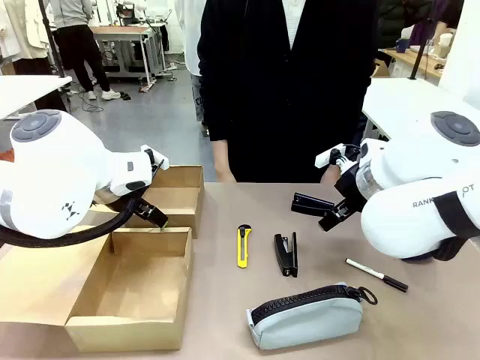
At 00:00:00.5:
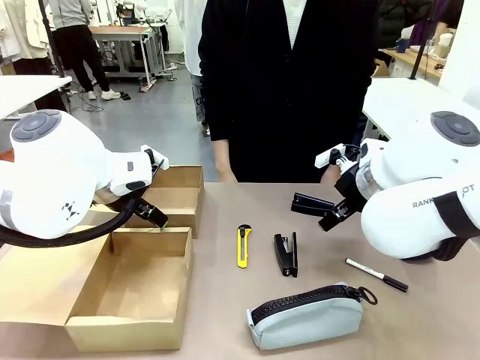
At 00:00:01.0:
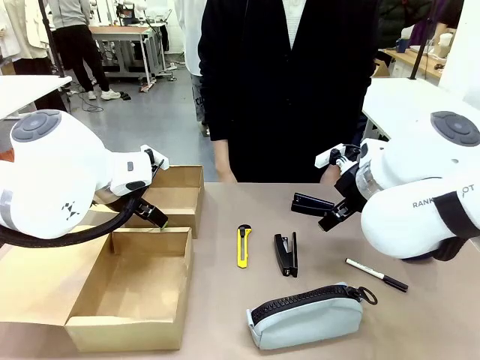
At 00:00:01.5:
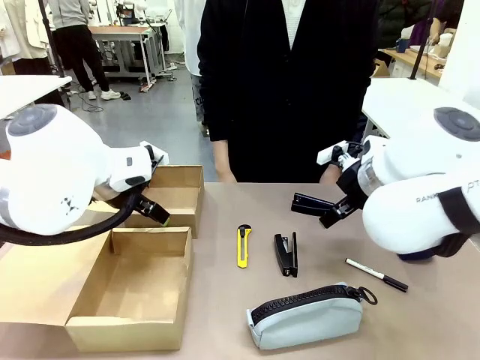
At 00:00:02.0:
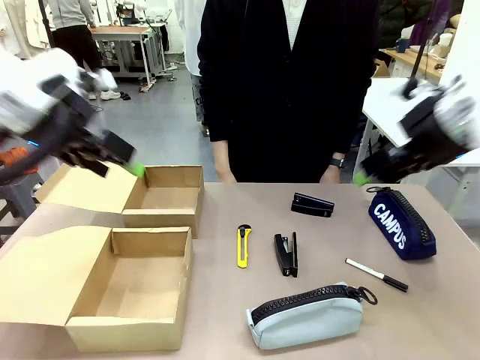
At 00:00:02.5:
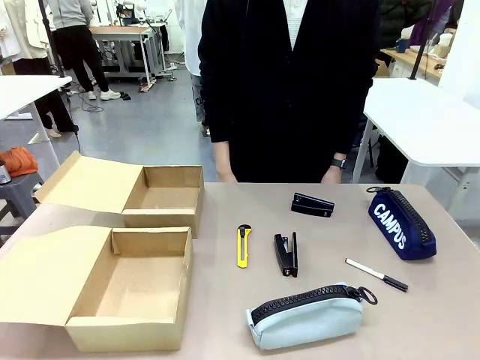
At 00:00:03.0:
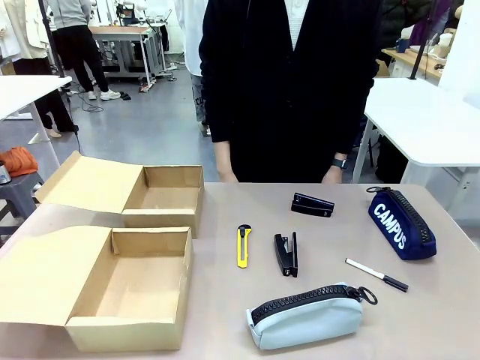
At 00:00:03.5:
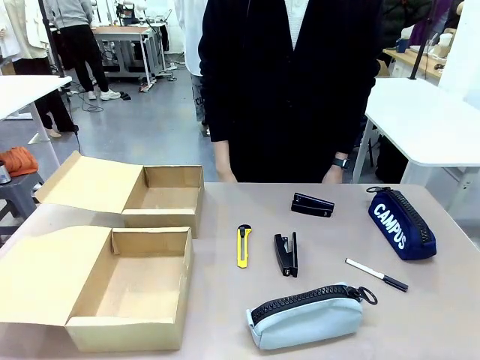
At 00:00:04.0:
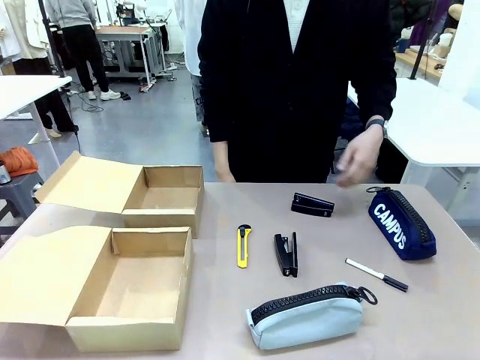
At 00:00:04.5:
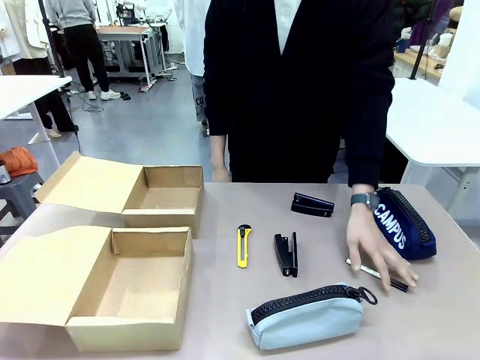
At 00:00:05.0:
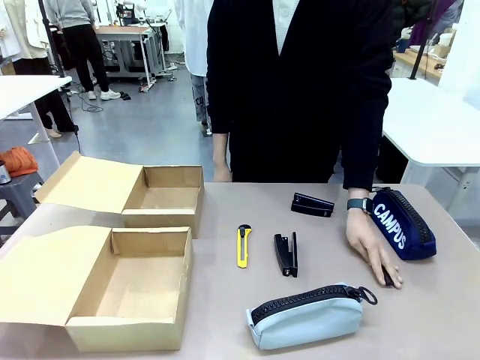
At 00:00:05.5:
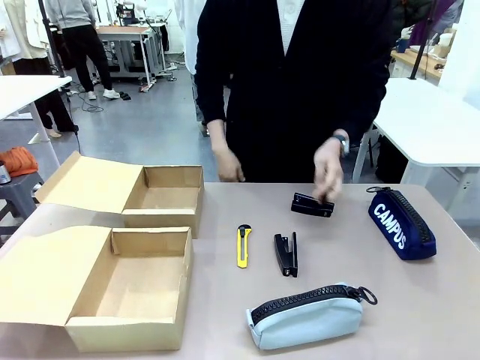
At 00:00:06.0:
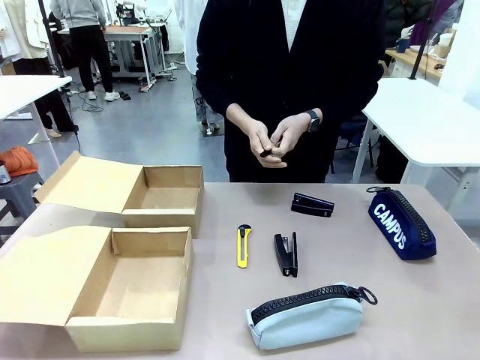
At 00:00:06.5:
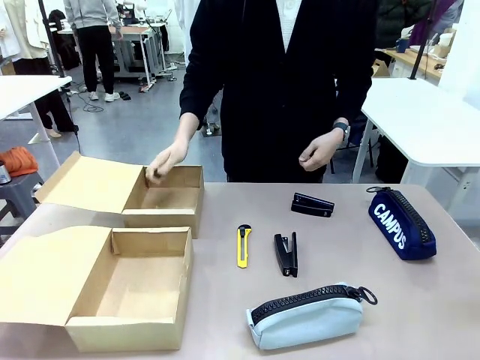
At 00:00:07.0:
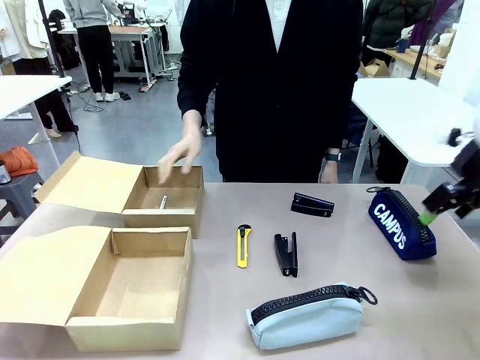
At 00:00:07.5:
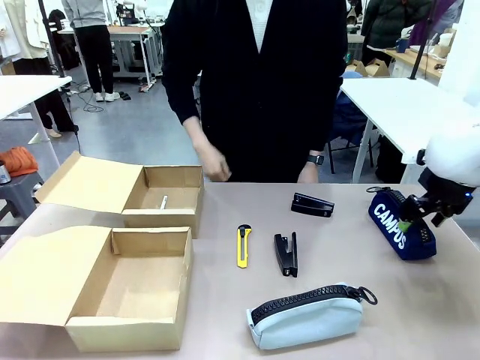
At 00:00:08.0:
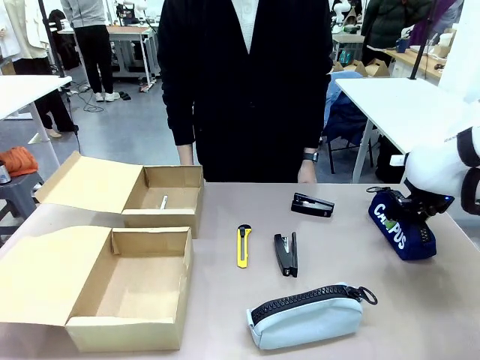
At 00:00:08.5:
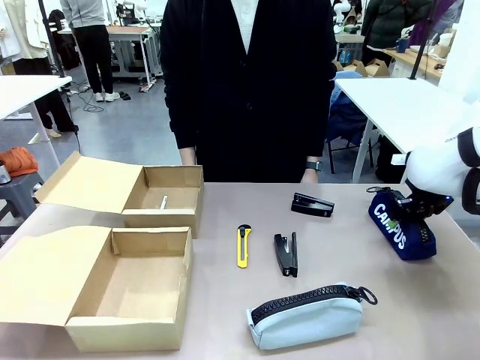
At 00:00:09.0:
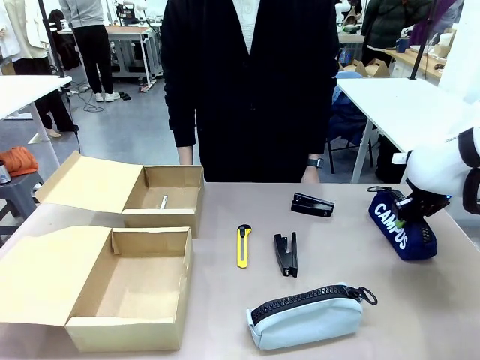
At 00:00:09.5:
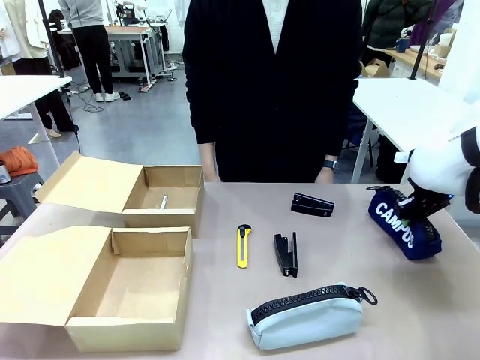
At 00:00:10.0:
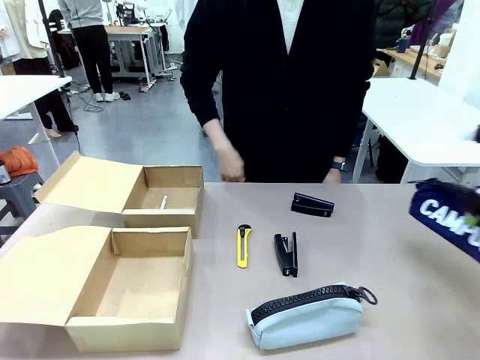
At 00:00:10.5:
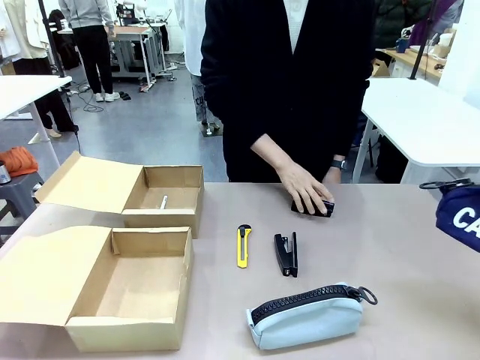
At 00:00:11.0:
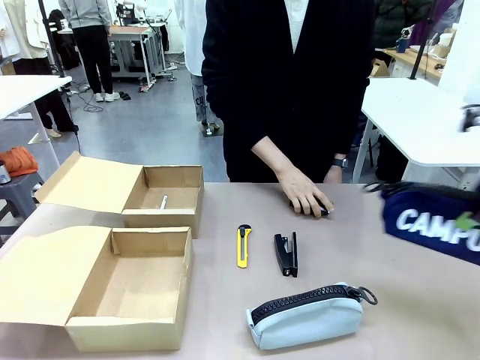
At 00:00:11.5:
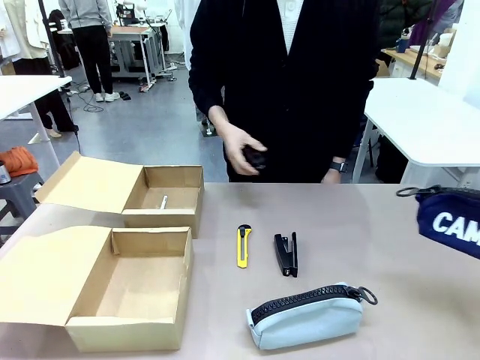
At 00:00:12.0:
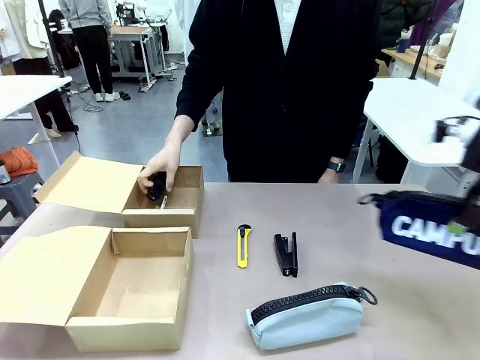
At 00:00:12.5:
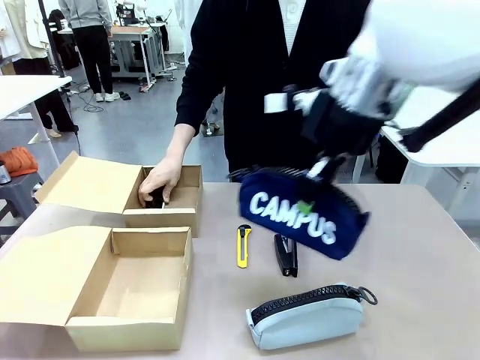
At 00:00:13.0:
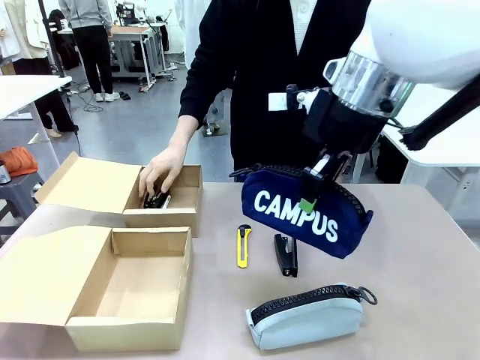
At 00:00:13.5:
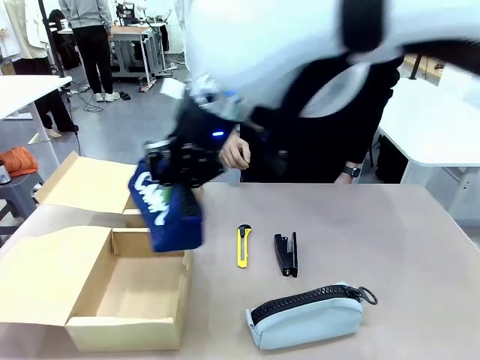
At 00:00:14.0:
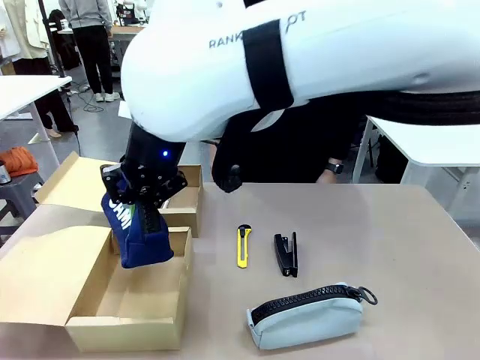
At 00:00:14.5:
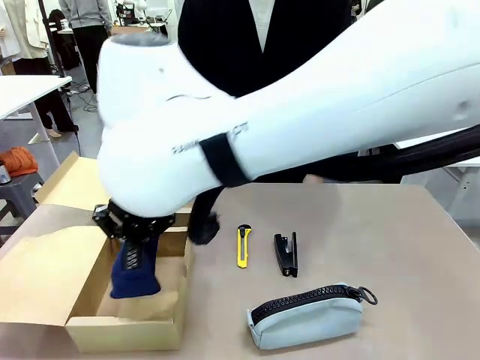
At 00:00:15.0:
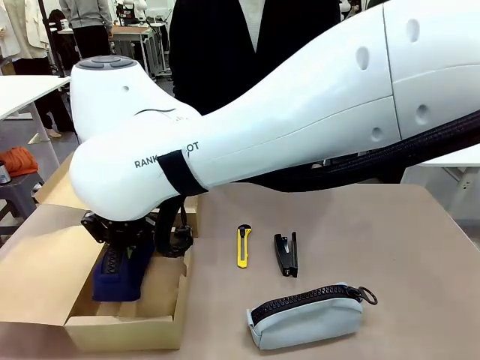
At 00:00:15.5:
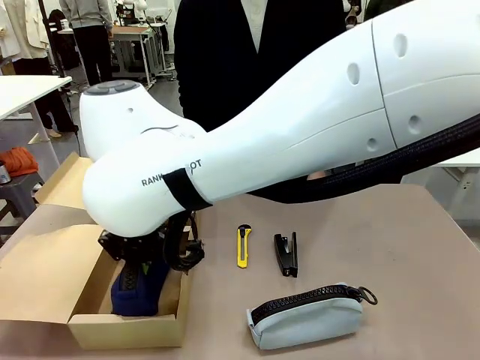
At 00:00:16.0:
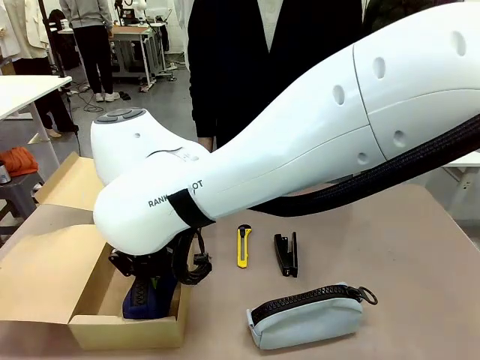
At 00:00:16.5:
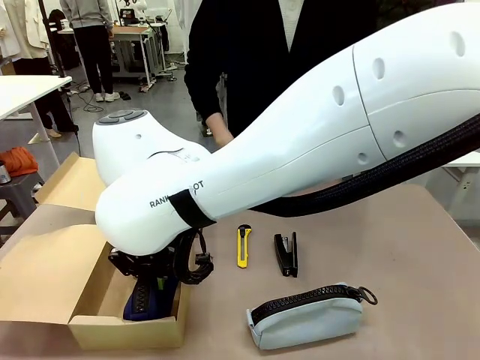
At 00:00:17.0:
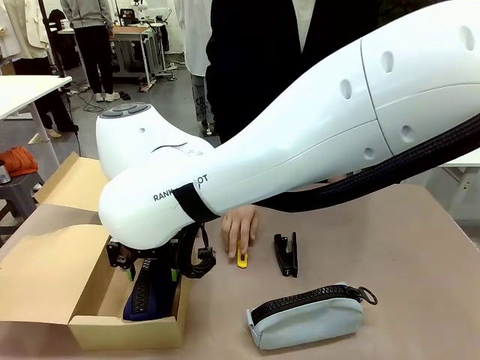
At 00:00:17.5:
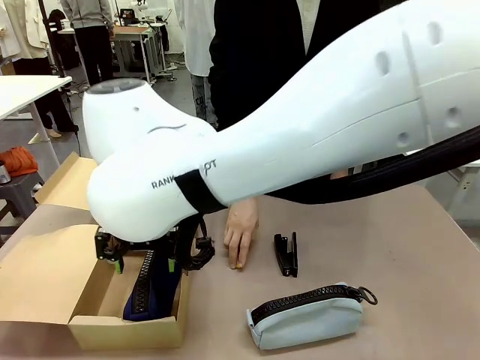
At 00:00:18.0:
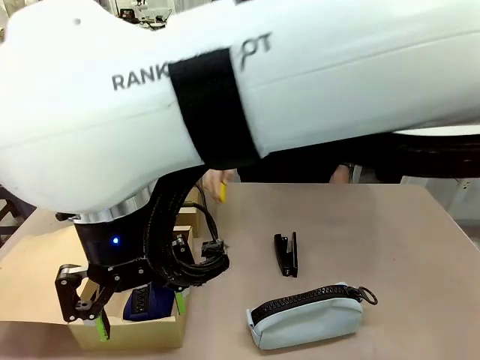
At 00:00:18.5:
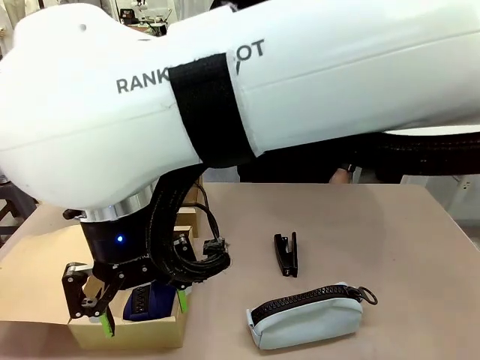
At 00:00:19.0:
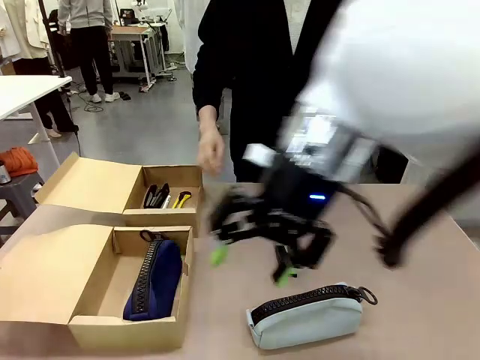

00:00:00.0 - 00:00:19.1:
Task: Place items inside the box.
Robot: Pick up a Pencil pouch or Stapler and place it inside the Mailer Box closest to the robot.
Person: Pick up an object on the table and put it in the box.

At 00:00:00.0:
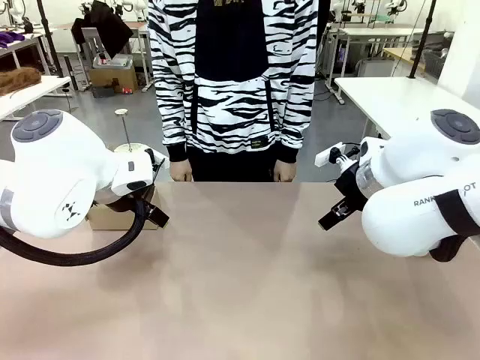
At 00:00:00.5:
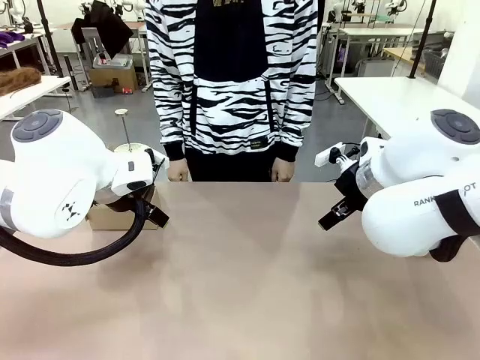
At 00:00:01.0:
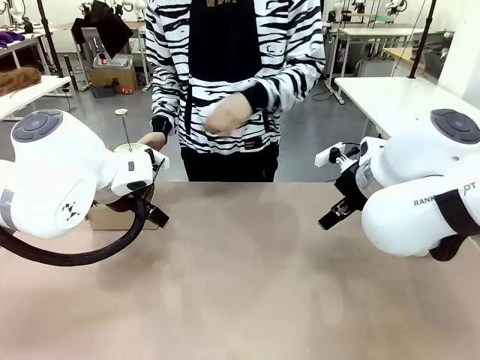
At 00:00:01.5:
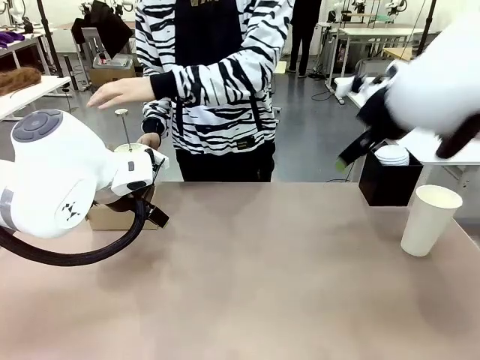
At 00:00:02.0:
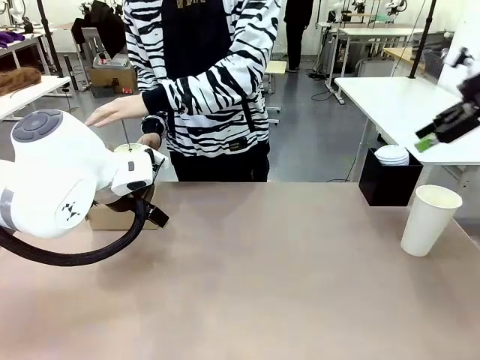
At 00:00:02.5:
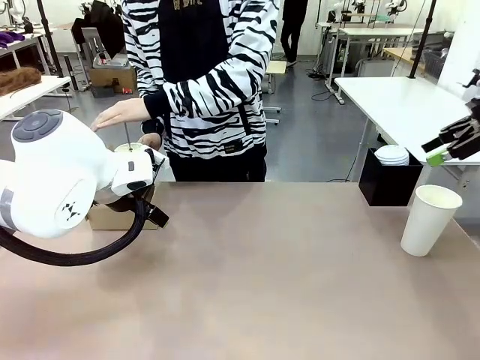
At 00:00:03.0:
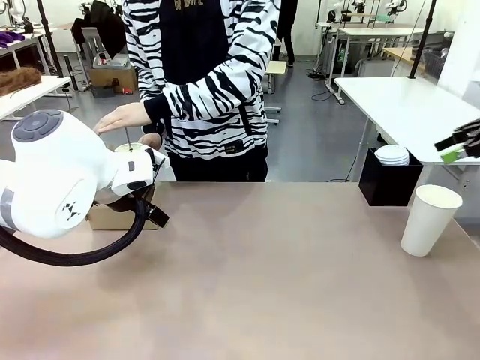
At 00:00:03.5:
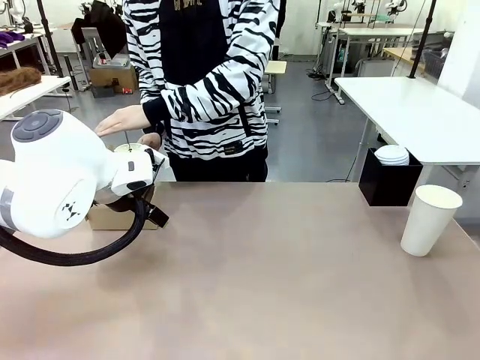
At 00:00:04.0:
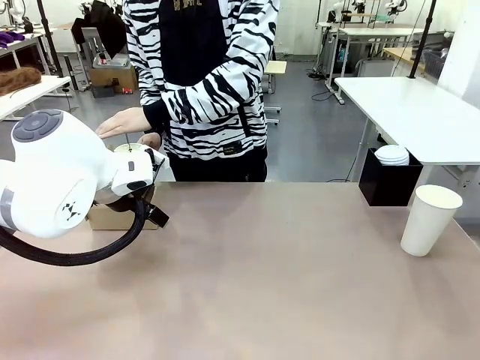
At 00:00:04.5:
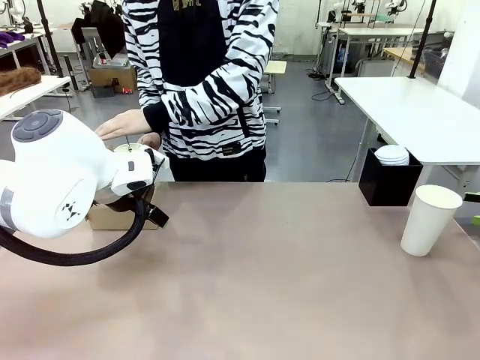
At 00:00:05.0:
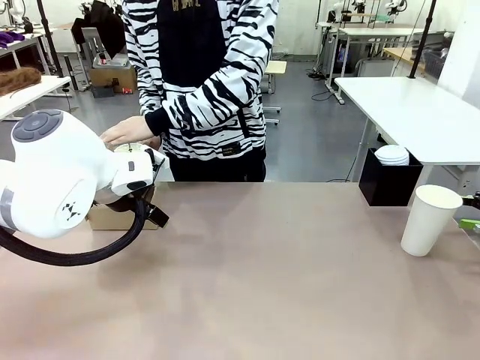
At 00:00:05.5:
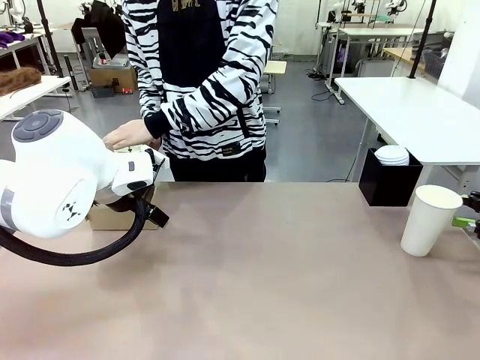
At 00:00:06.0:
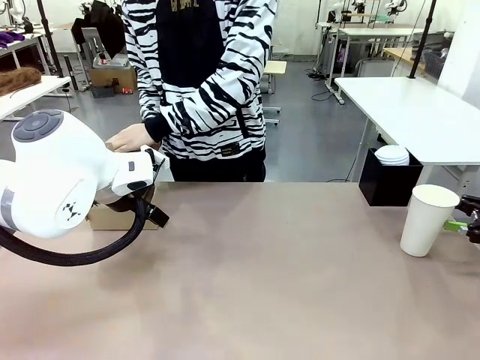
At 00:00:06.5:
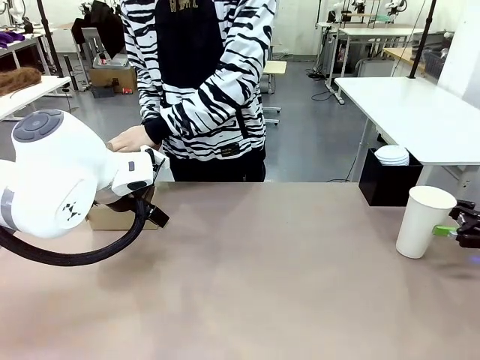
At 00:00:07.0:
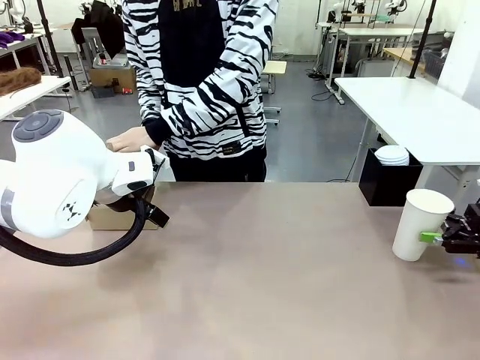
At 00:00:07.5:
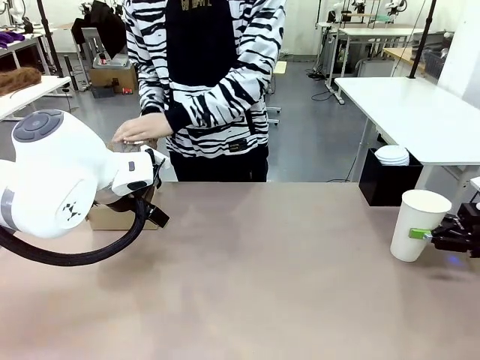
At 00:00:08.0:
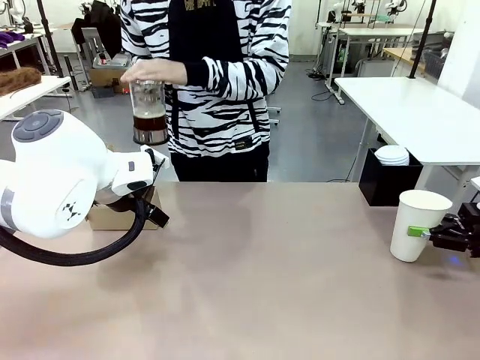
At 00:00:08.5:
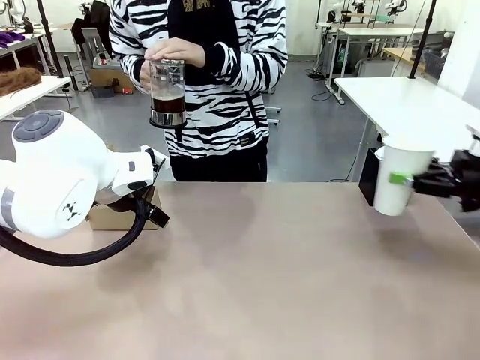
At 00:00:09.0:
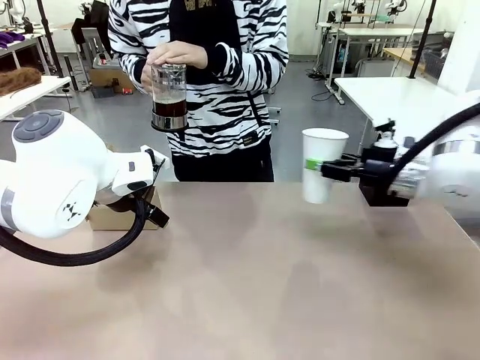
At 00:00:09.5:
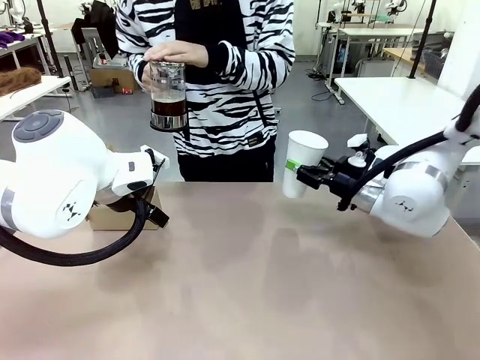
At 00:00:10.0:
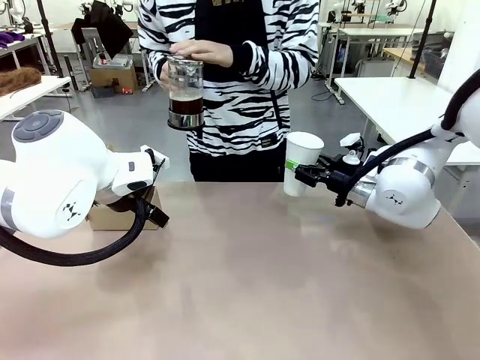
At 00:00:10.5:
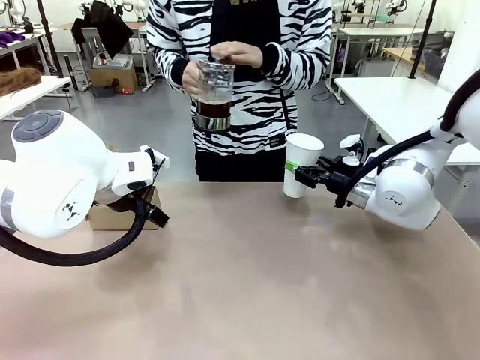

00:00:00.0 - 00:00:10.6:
Task: Pour a drink into a cup and package it in a carrier.
Robot: Pick up the 600 ml Paper Cup and place it in the middle top area of the table.
Person: Press and pick up the Filter Brewing.
